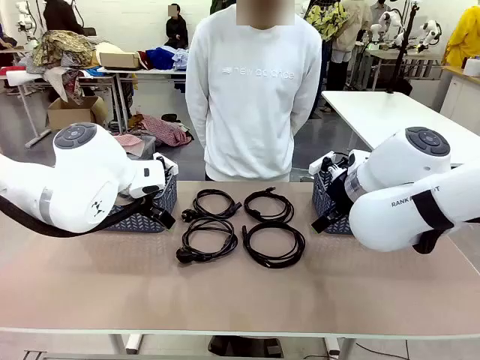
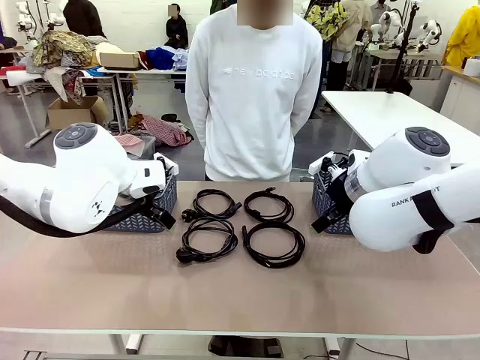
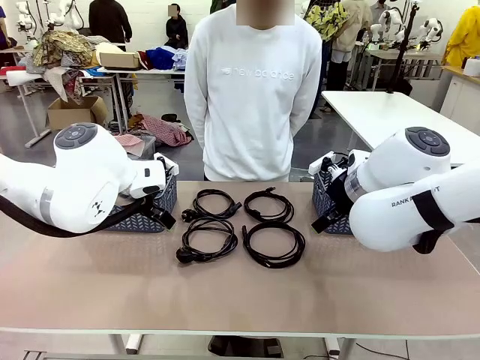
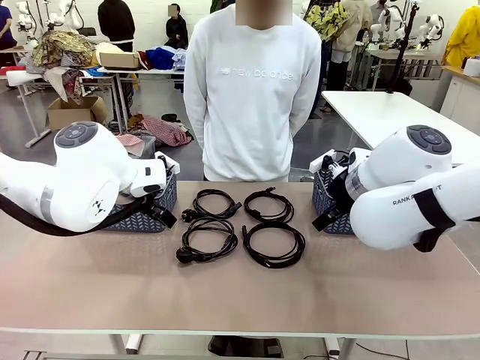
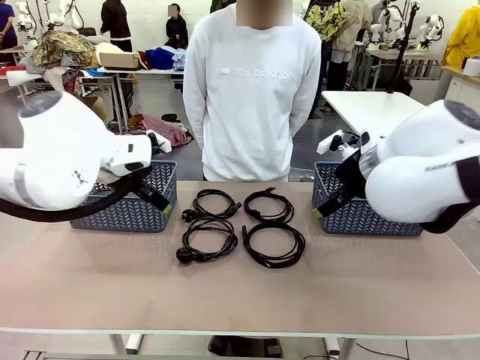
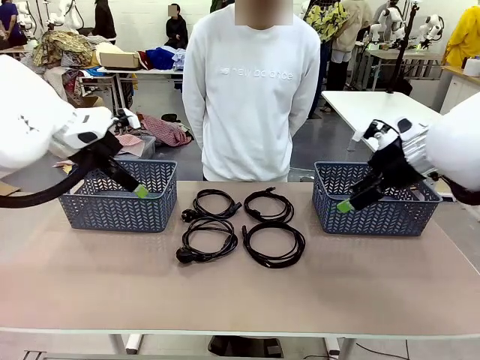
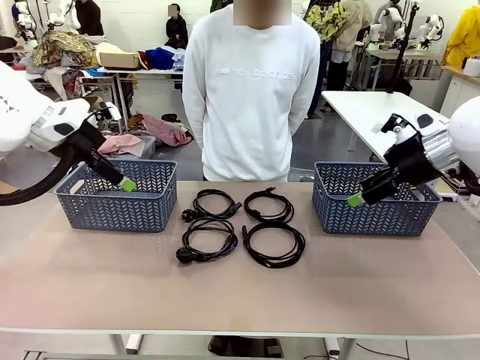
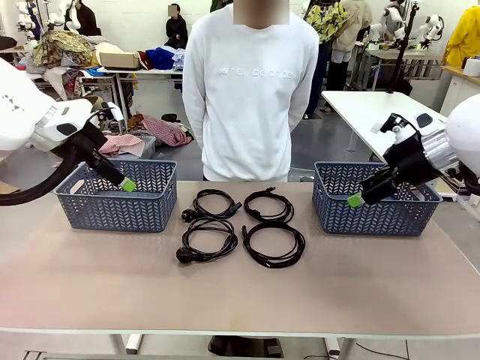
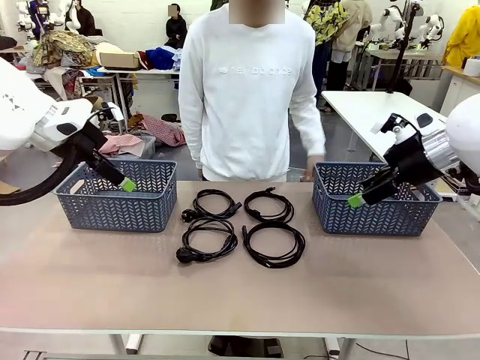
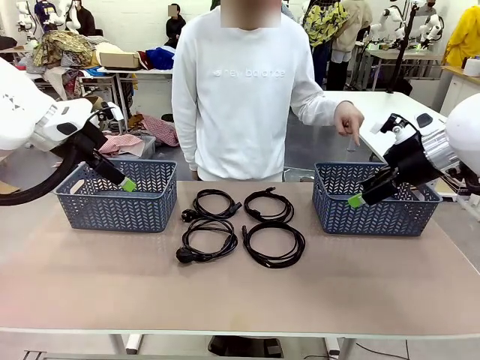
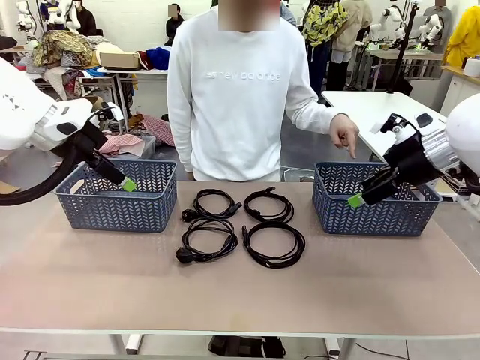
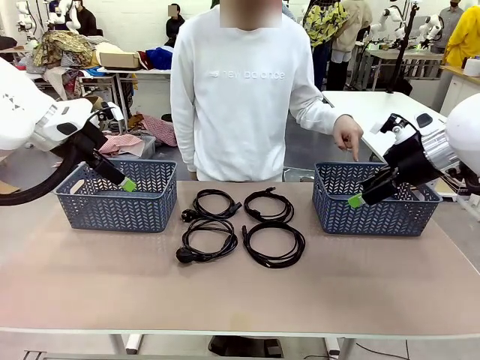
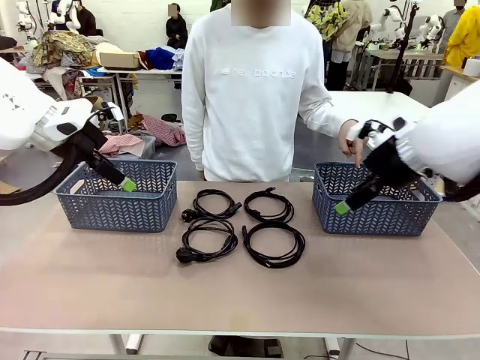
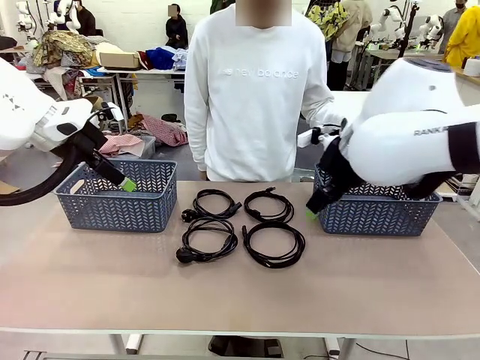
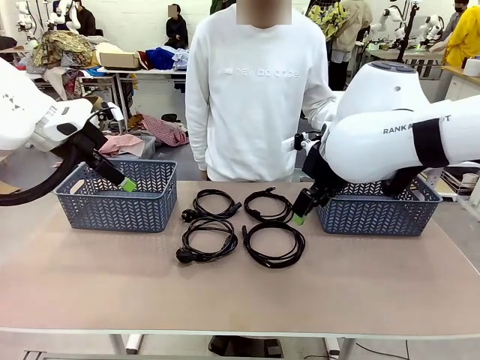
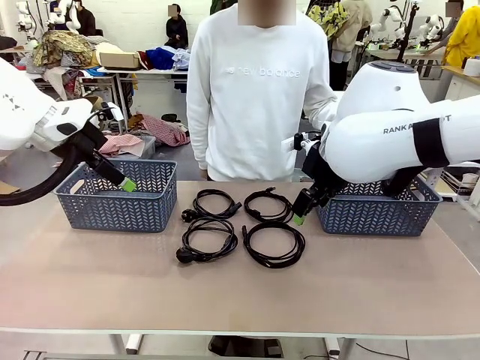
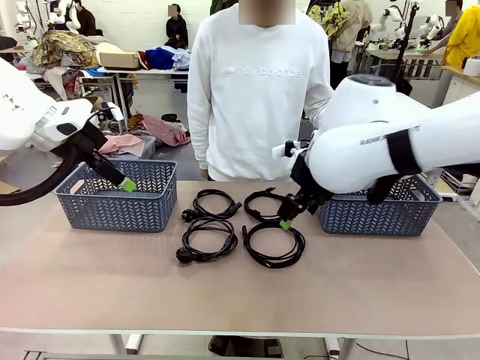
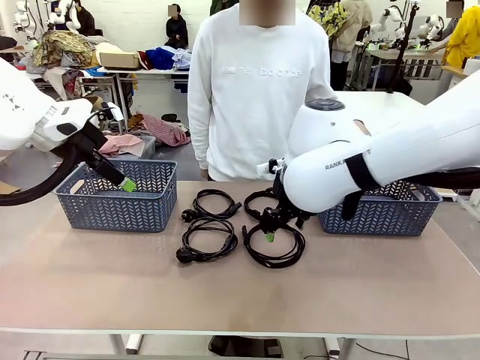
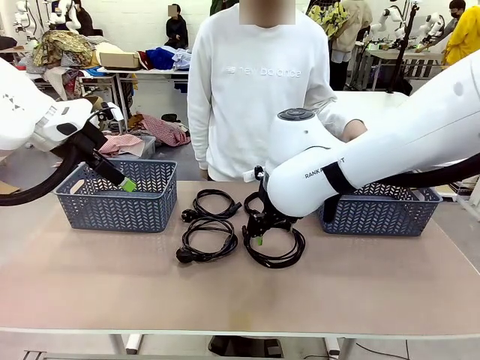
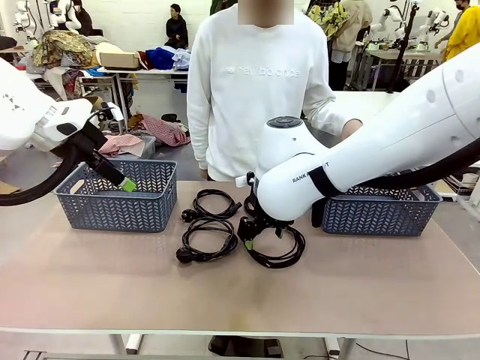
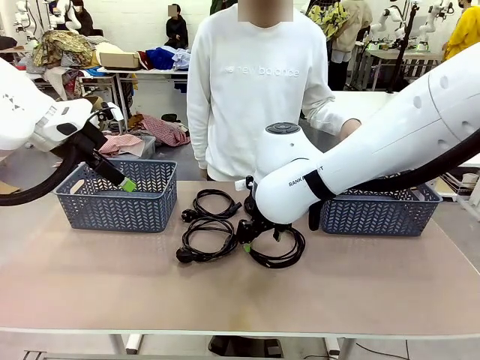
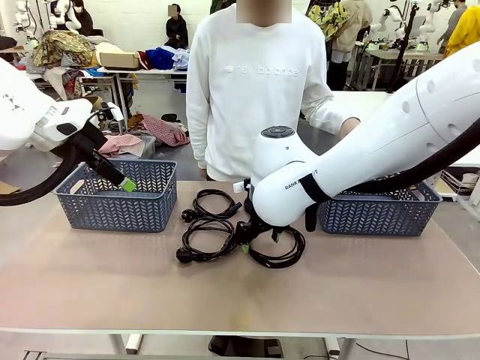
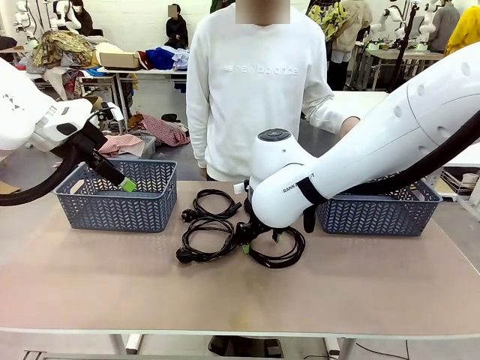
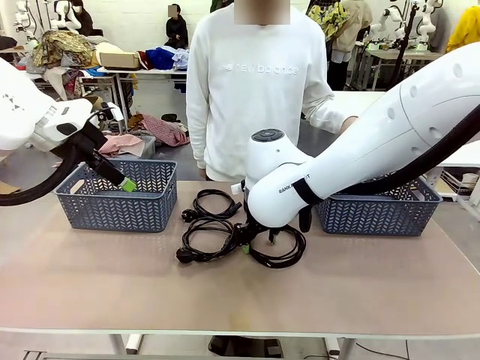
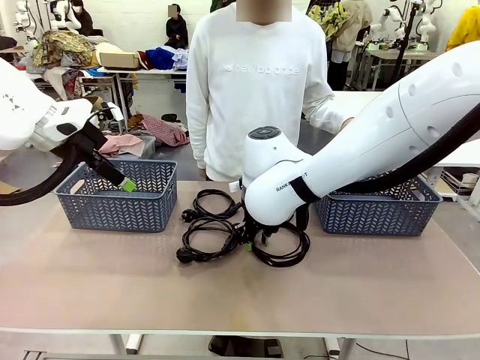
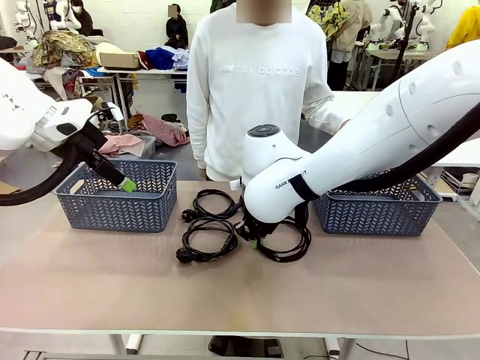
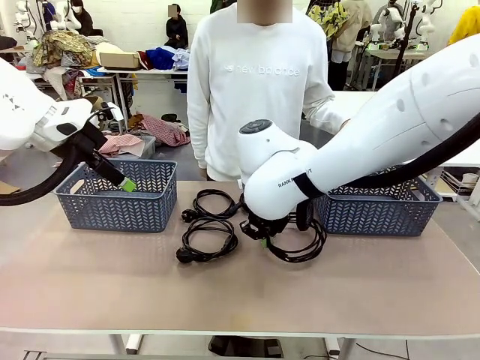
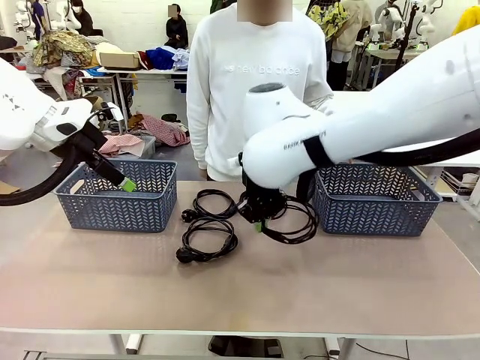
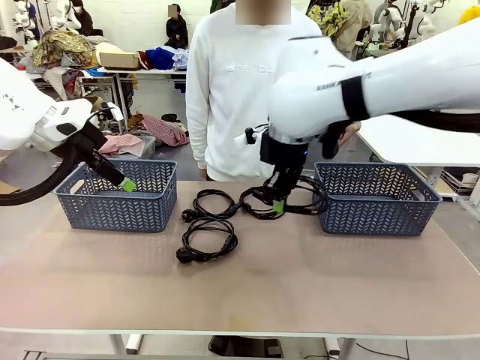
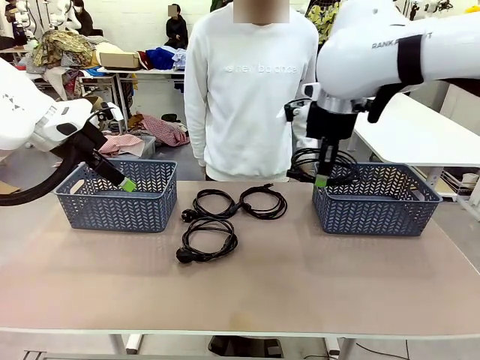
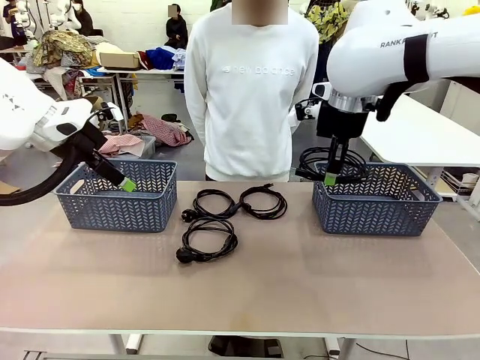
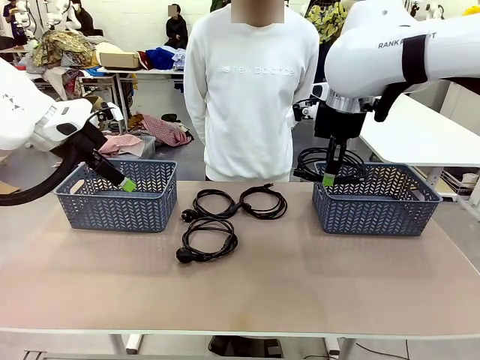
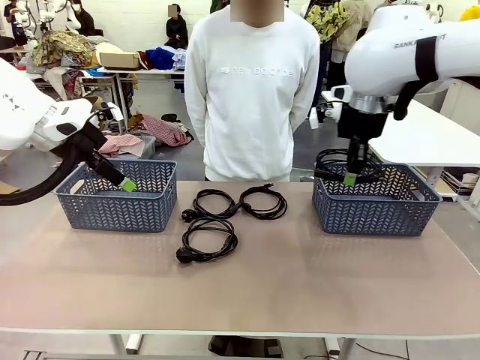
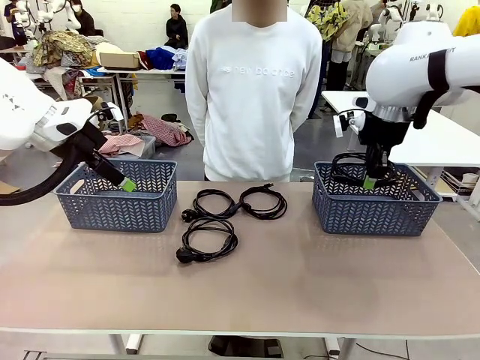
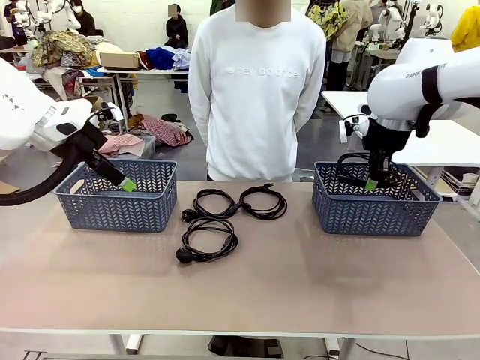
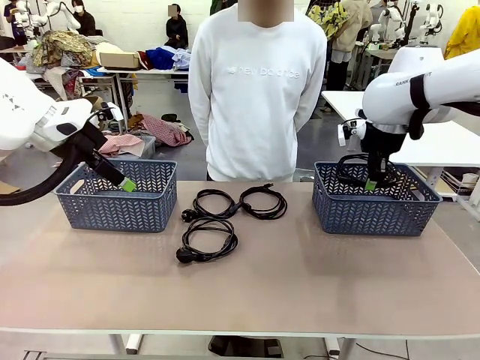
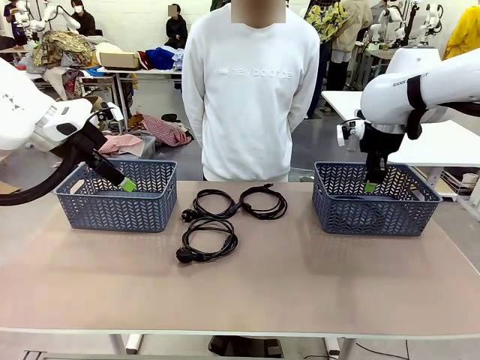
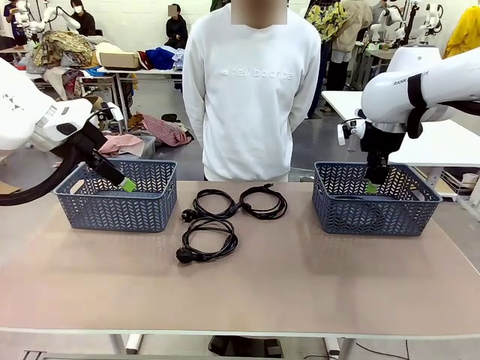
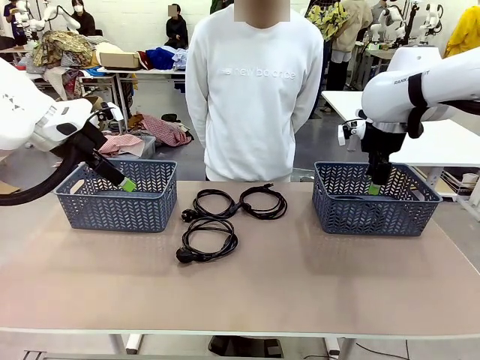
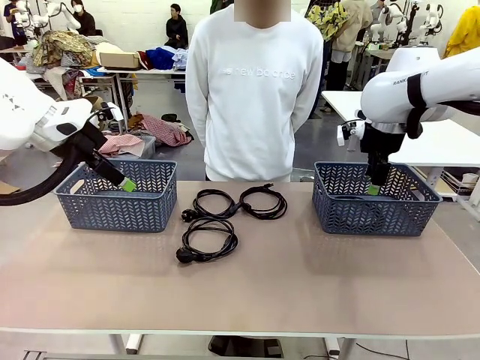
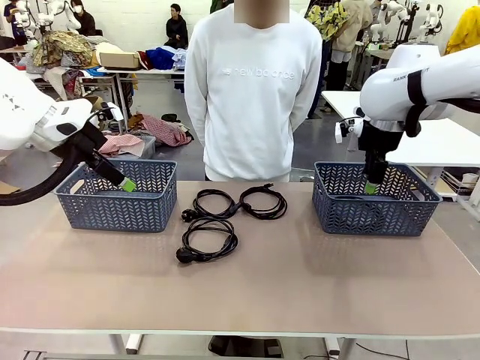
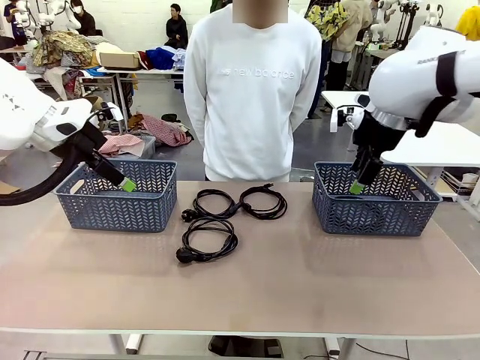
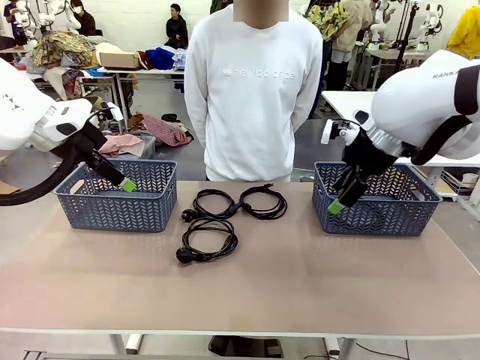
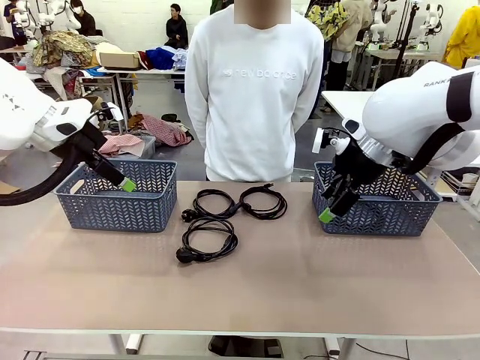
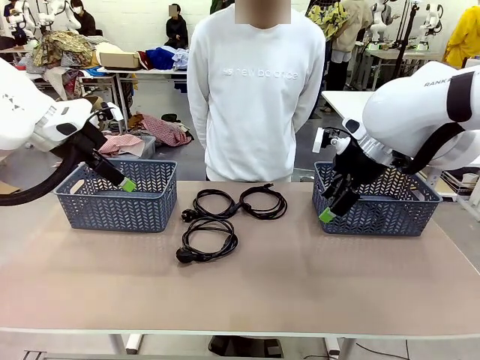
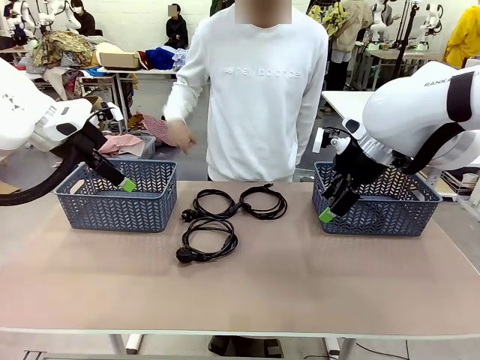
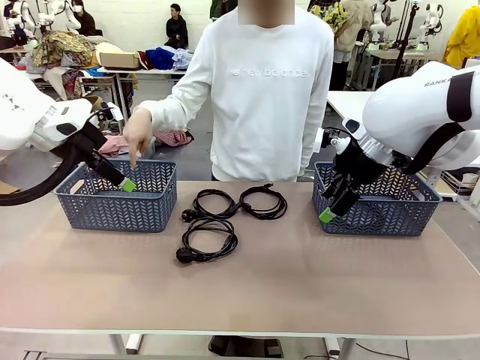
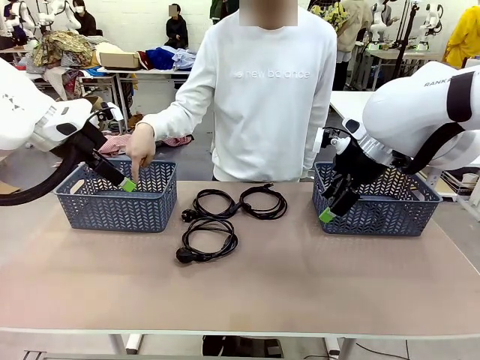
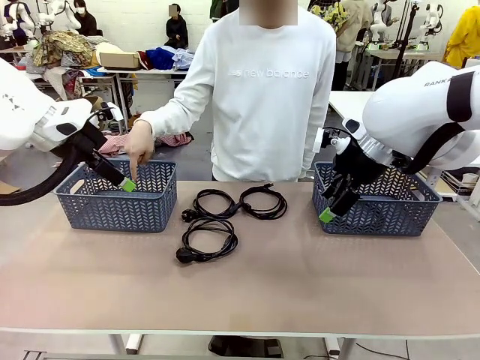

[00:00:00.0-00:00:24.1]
Task: Organize the cables according to human instructions.
Robot: Pick up a bundle of cables and place it in the basket indicated by the human.
